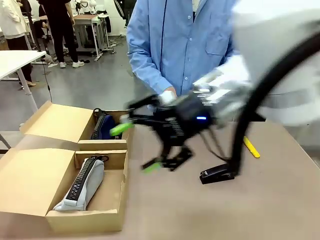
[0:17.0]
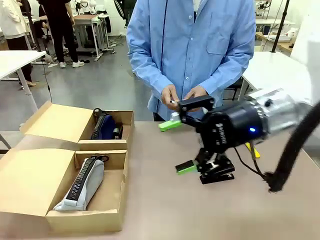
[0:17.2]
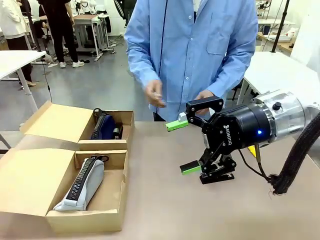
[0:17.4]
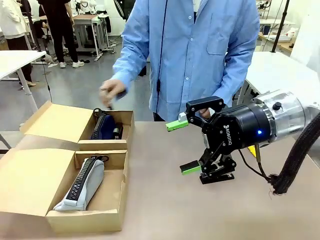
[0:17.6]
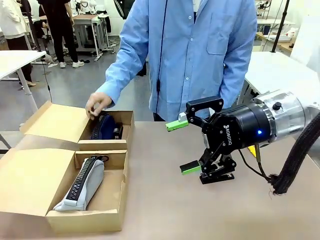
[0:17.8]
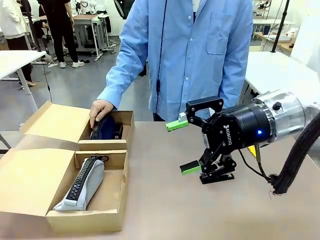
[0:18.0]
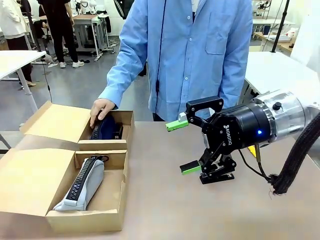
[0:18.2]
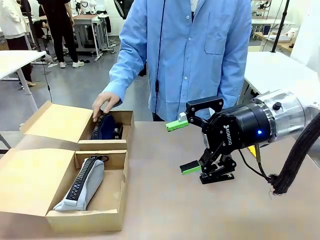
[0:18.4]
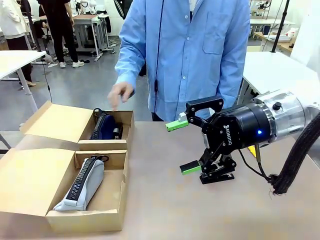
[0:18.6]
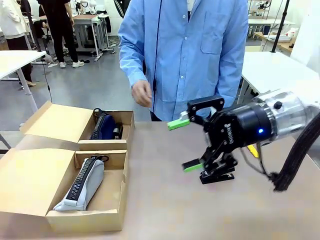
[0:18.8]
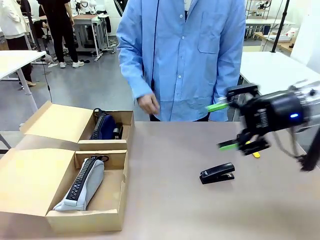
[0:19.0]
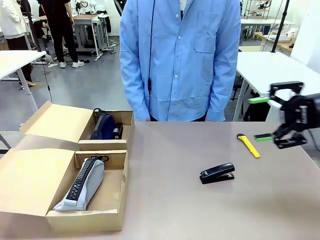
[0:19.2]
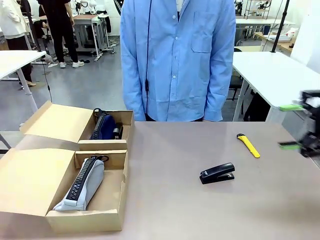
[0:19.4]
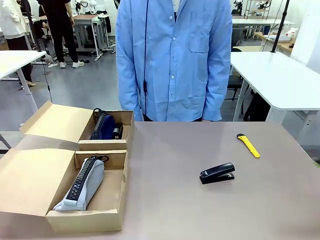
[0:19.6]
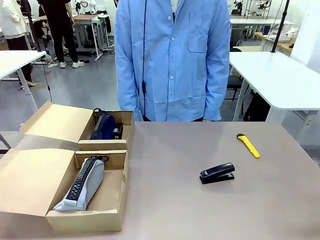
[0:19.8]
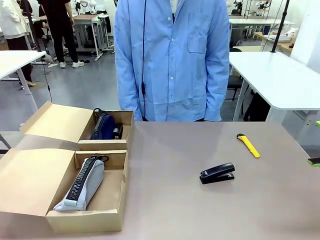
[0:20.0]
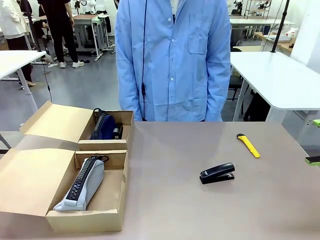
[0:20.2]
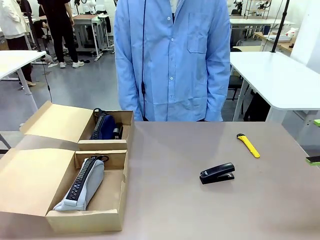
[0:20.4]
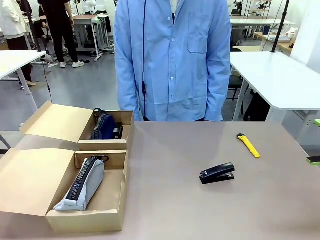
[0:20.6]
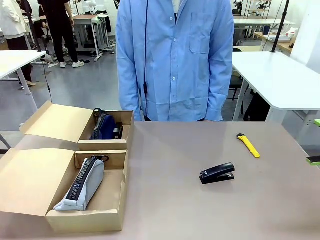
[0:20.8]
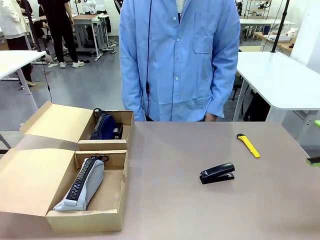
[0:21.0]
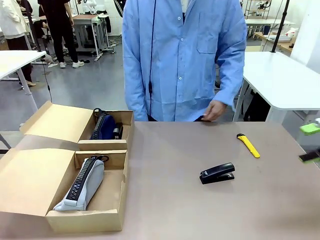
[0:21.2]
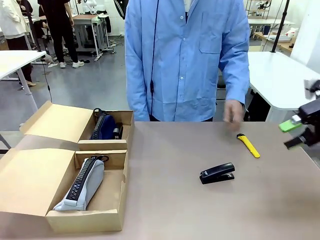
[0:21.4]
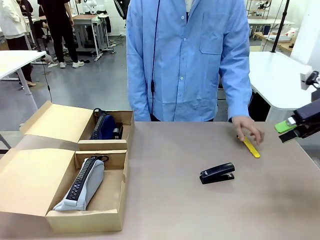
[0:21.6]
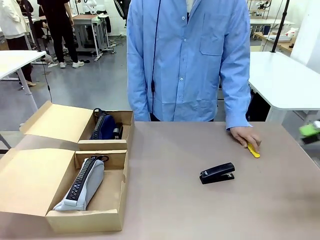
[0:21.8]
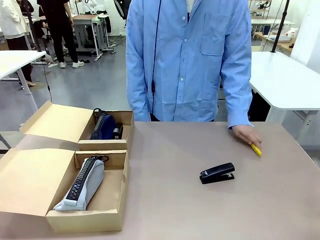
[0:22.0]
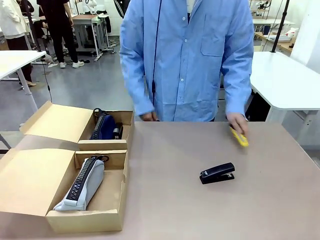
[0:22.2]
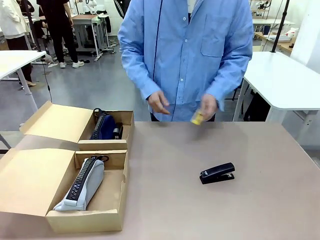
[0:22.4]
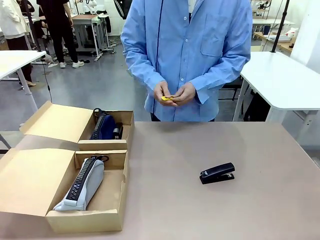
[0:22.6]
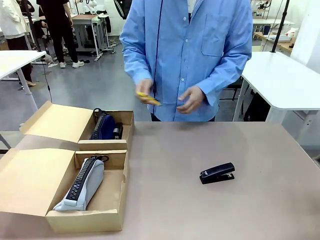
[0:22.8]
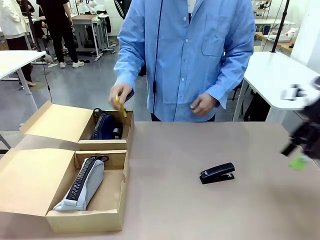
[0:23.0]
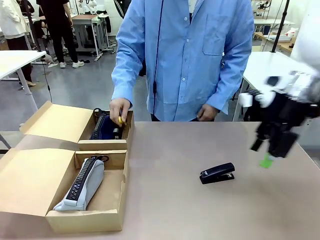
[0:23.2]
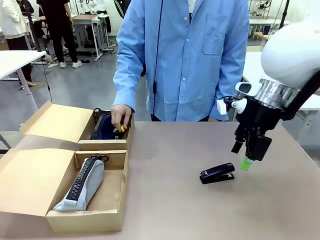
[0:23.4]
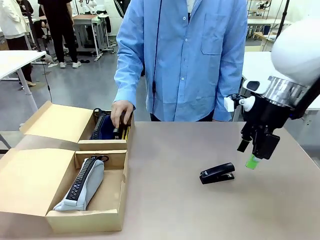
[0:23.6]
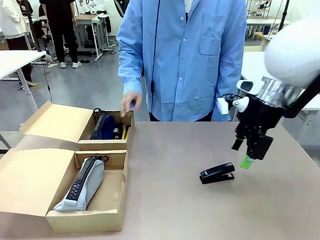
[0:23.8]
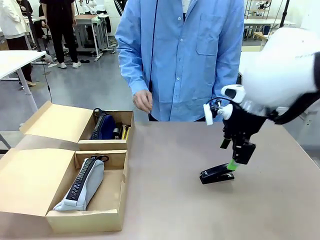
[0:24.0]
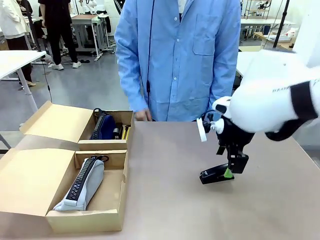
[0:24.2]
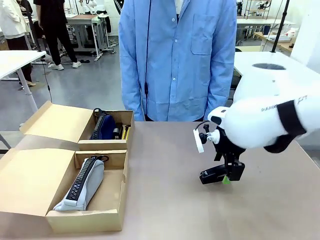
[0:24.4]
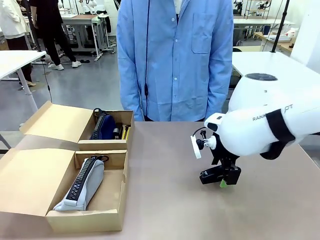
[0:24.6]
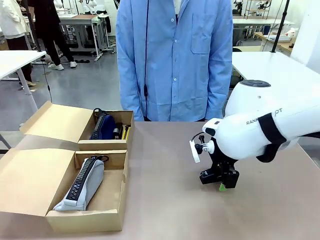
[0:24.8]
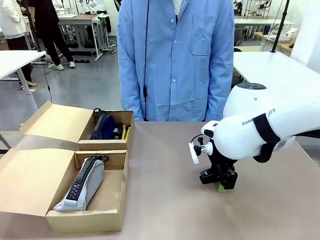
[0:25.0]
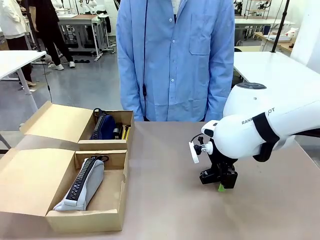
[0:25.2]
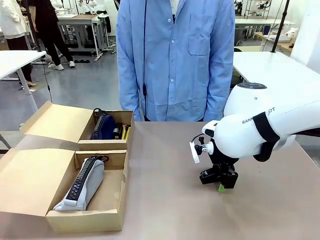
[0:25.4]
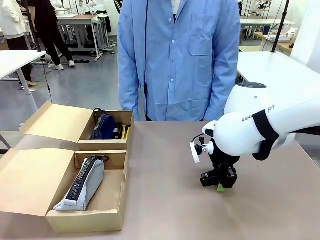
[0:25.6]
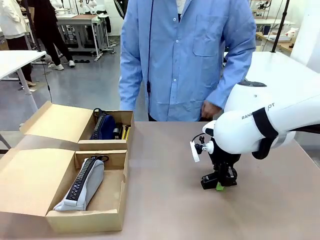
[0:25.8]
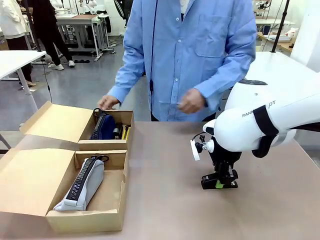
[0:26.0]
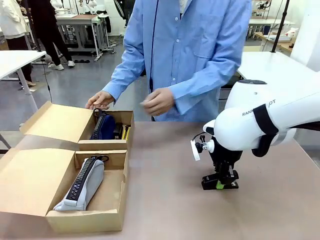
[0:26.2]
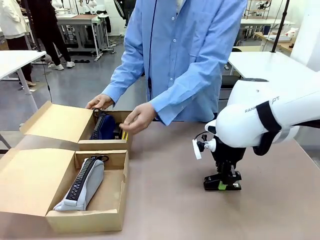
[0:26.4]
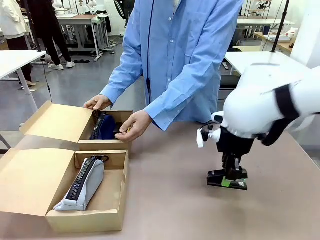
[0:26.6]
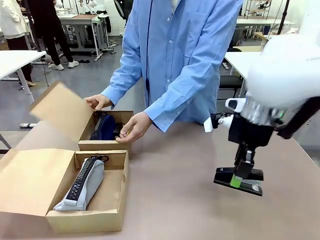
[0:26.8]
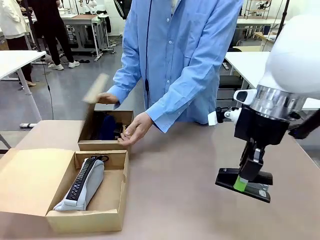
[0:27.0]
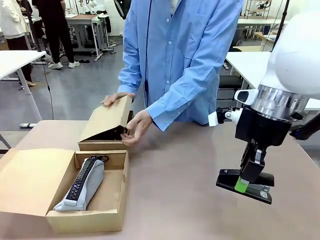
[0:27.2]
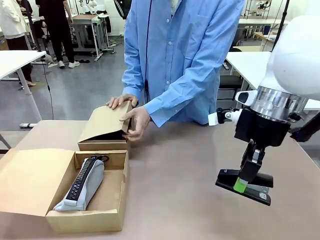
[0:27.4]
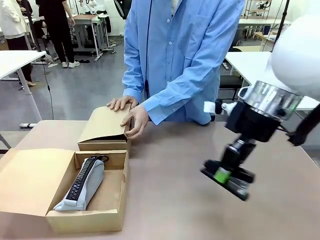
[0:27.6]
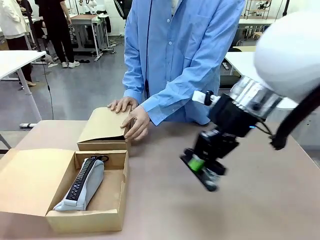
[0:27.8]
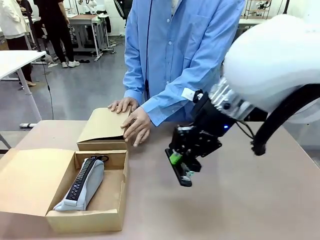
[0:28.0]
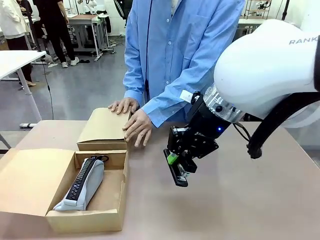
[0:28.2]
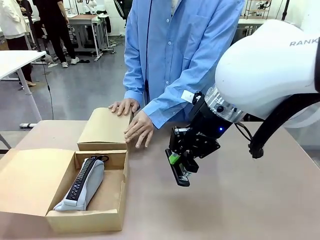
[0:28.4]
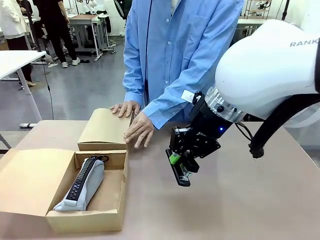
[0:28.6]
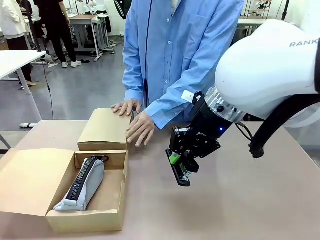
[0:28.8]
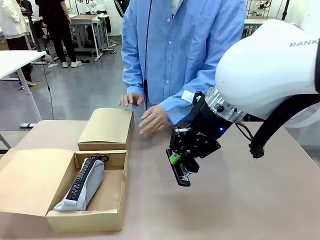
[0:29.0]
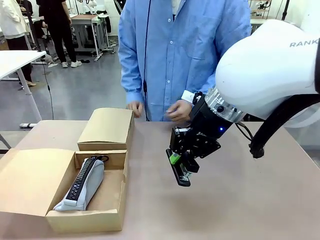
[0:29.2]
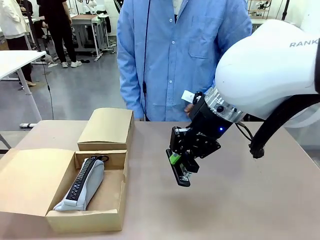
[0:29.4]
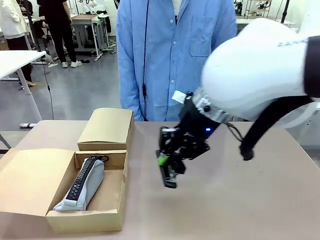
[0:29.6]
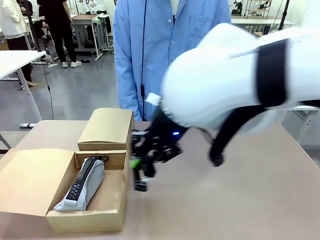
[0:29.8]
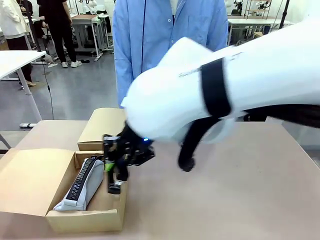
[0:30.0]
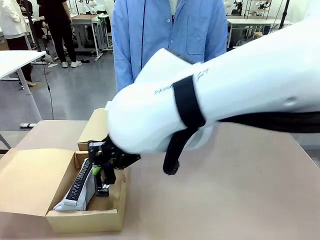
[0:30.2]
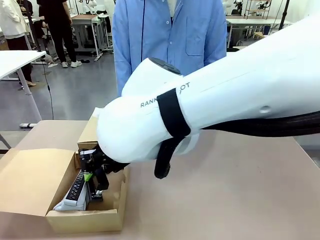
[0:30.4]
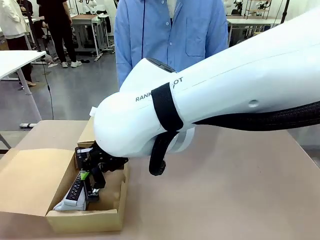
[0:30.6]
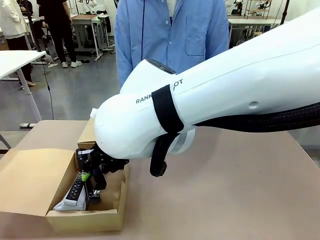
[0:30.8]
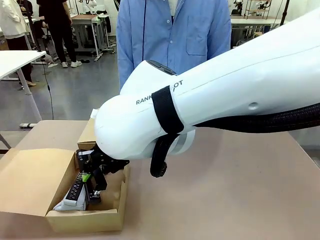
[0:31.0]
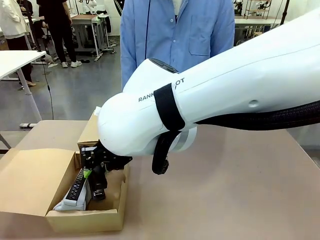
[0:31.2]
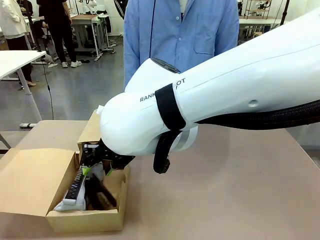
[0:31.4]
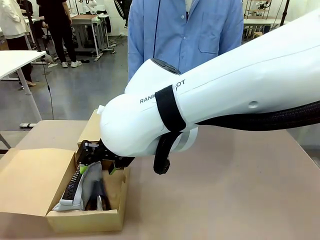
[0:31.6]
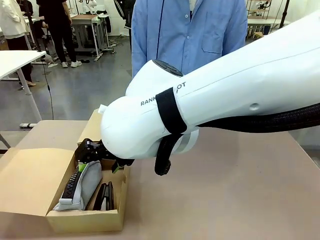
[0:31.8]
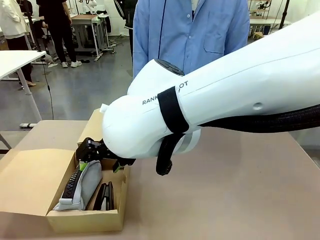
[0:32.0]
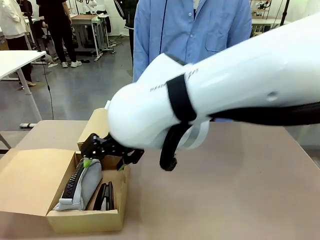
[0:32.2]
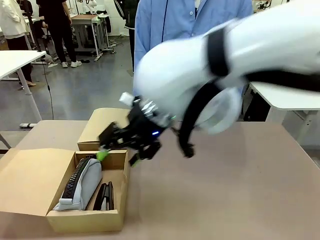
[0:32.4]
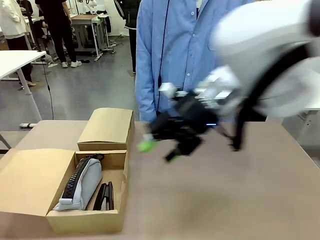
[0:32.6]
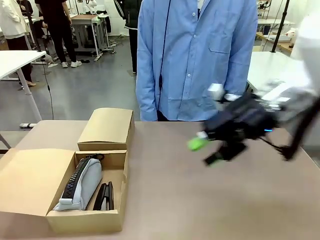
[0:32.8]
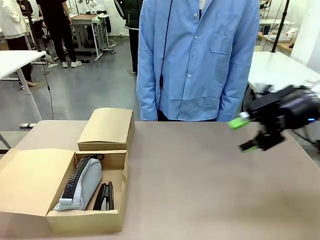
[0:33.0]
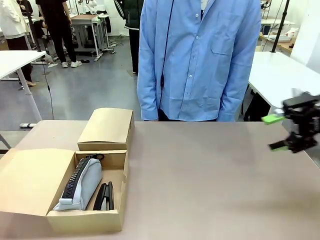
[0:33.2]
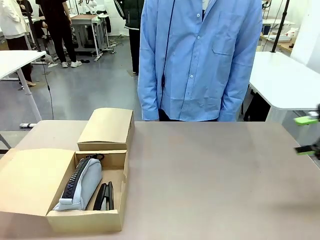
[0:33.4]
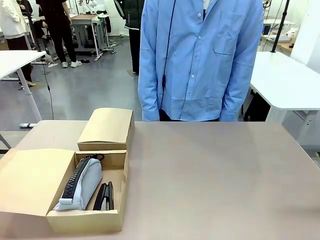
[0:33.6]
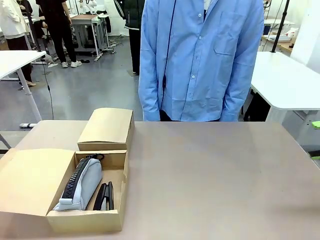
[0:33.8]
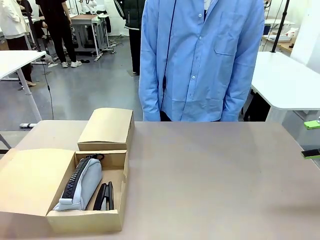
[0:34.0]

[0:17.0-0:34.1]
Task: Place items inside the box.
Robot: Pick up a Pencil pouch or Stapler and place it inside the Mailer Box closest to the robot.
